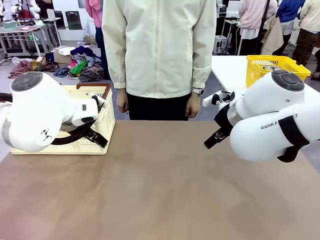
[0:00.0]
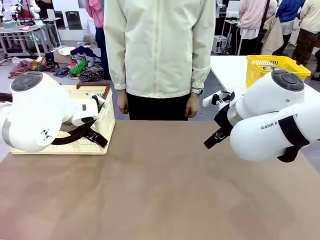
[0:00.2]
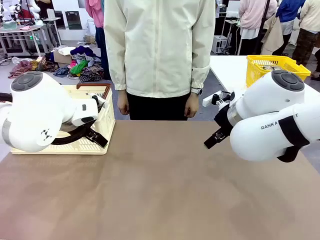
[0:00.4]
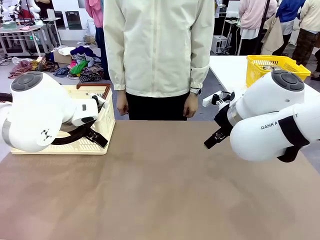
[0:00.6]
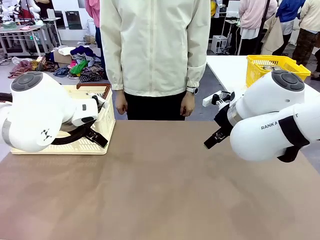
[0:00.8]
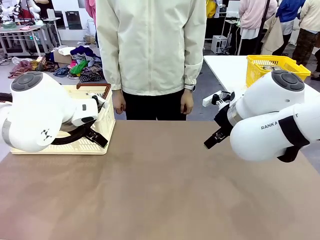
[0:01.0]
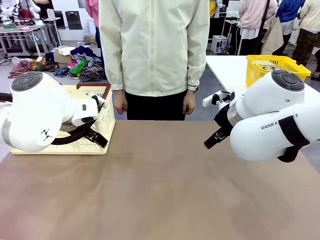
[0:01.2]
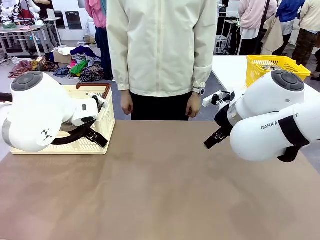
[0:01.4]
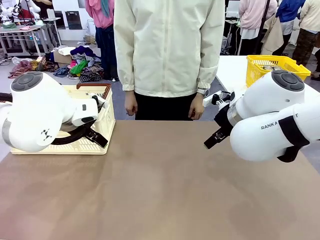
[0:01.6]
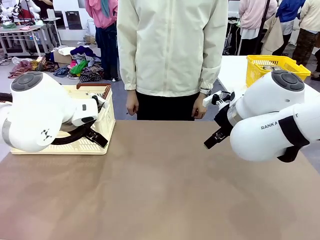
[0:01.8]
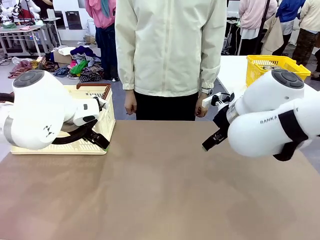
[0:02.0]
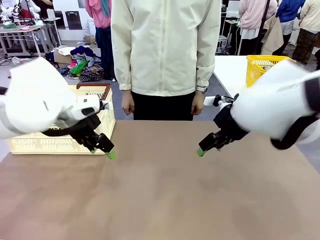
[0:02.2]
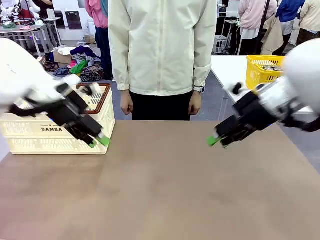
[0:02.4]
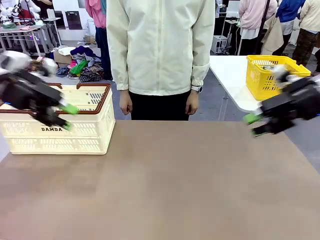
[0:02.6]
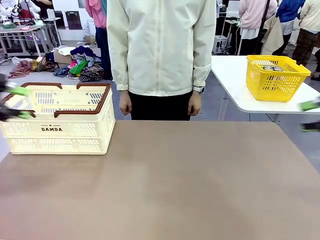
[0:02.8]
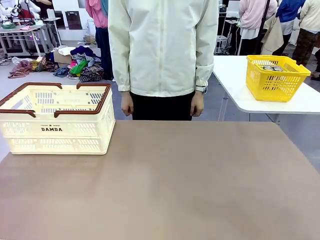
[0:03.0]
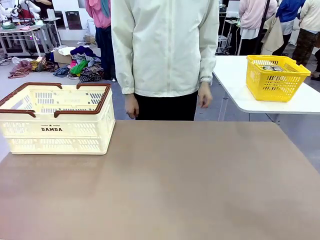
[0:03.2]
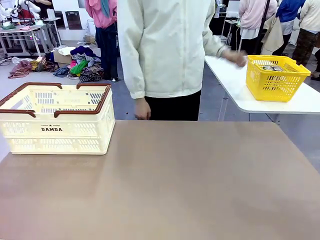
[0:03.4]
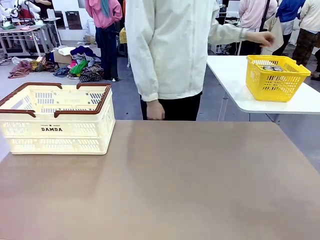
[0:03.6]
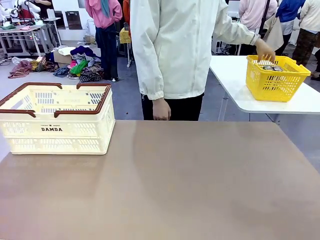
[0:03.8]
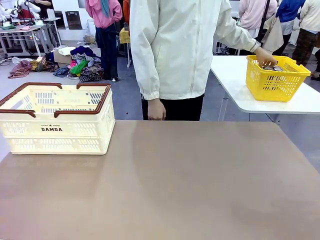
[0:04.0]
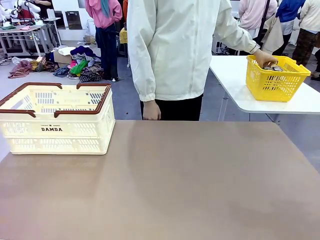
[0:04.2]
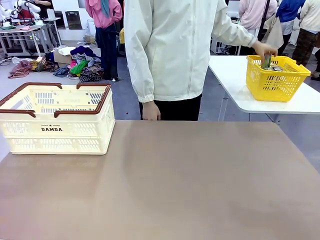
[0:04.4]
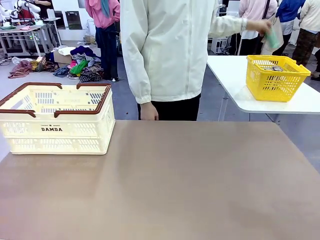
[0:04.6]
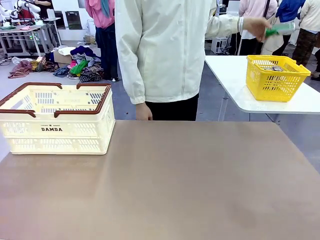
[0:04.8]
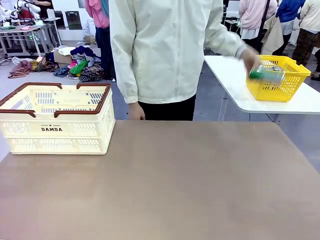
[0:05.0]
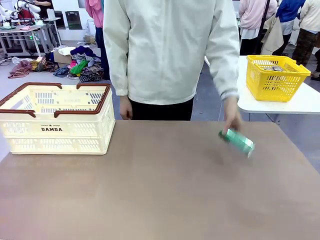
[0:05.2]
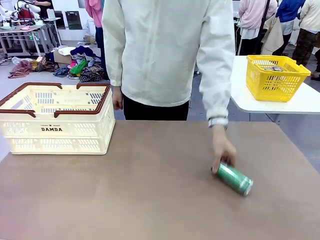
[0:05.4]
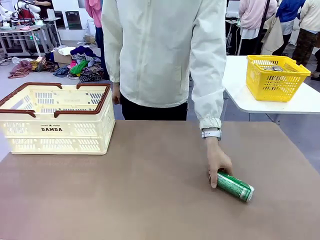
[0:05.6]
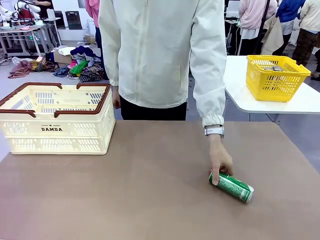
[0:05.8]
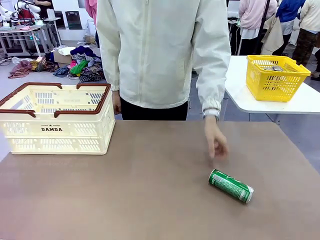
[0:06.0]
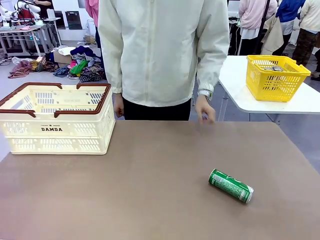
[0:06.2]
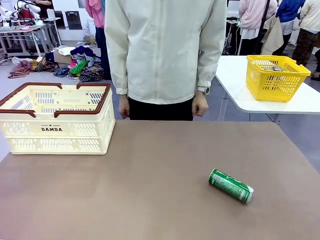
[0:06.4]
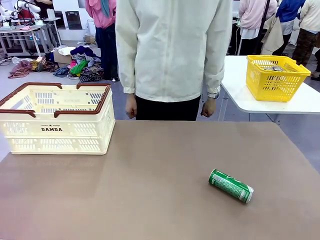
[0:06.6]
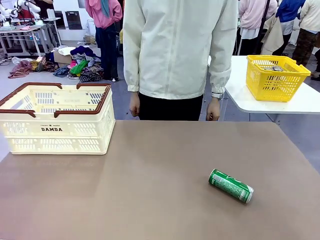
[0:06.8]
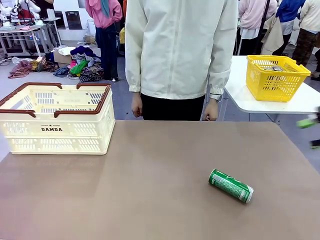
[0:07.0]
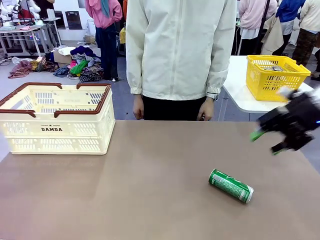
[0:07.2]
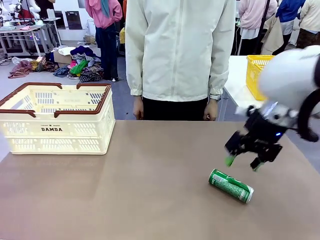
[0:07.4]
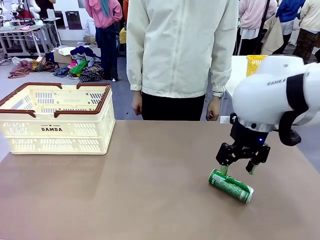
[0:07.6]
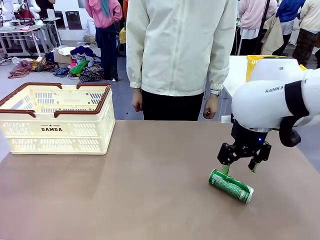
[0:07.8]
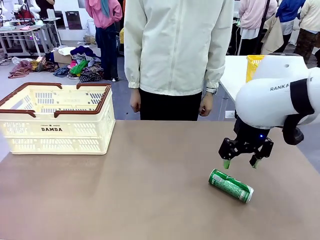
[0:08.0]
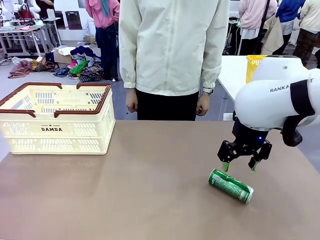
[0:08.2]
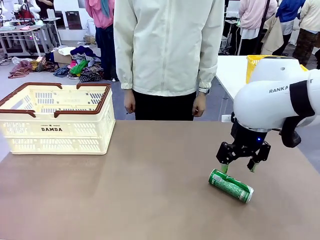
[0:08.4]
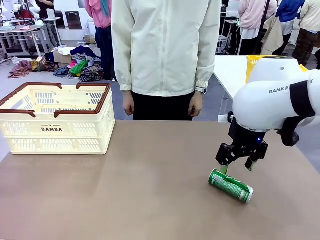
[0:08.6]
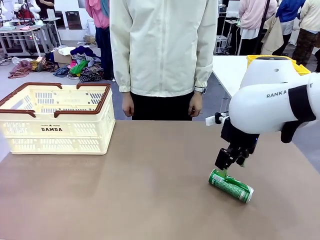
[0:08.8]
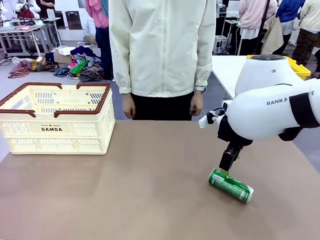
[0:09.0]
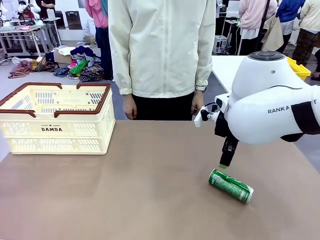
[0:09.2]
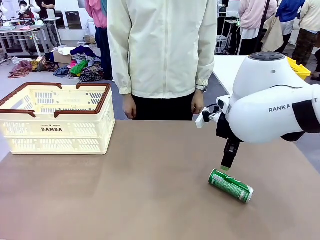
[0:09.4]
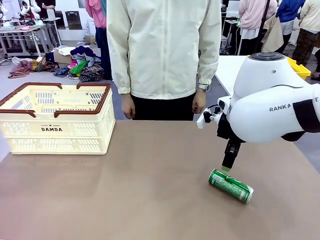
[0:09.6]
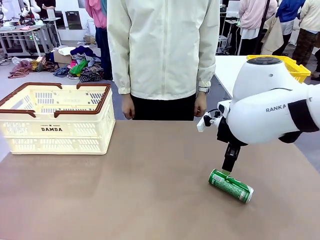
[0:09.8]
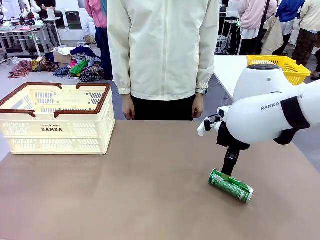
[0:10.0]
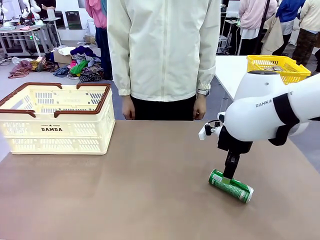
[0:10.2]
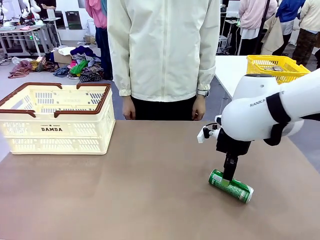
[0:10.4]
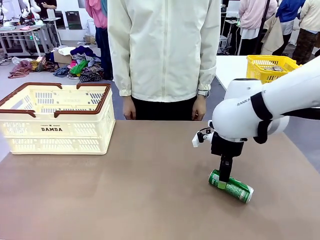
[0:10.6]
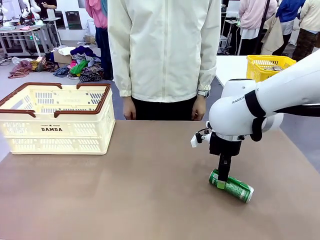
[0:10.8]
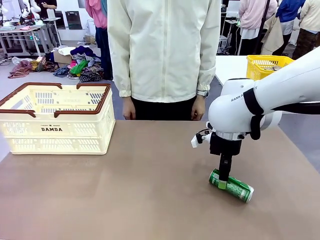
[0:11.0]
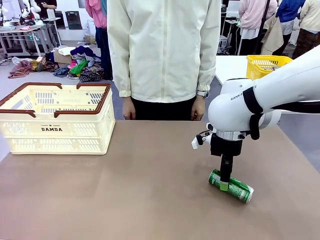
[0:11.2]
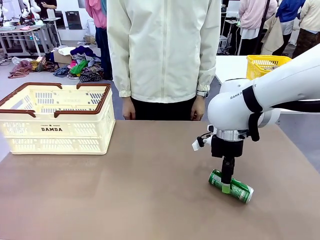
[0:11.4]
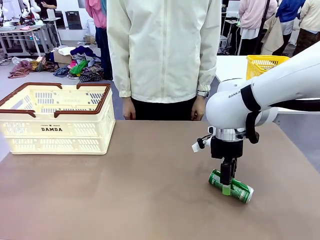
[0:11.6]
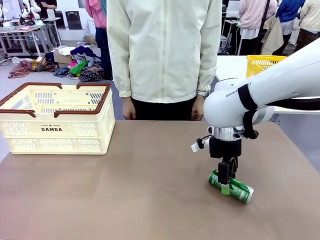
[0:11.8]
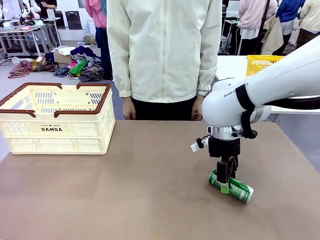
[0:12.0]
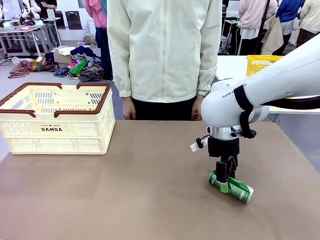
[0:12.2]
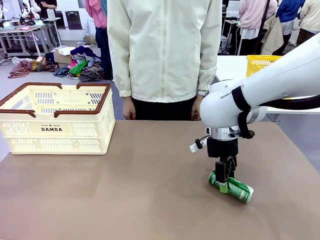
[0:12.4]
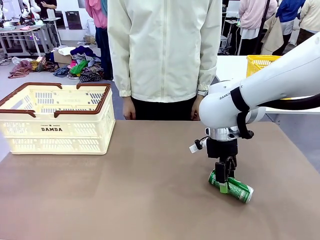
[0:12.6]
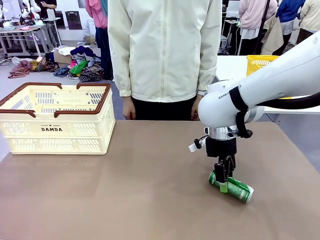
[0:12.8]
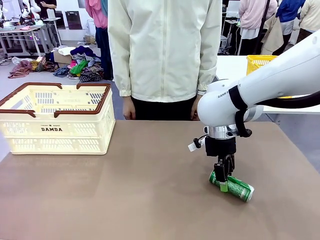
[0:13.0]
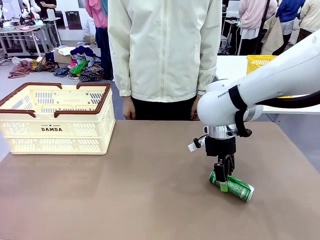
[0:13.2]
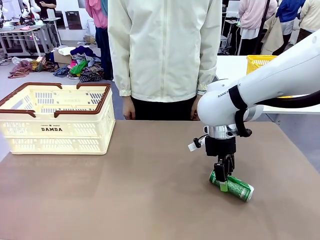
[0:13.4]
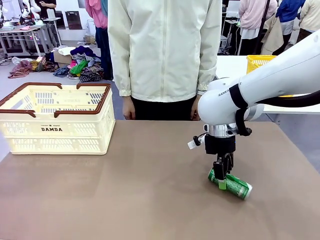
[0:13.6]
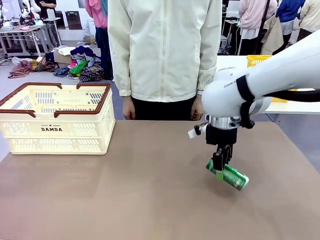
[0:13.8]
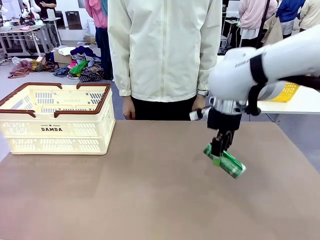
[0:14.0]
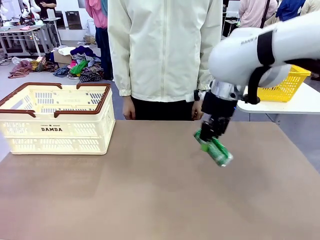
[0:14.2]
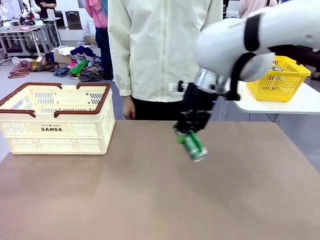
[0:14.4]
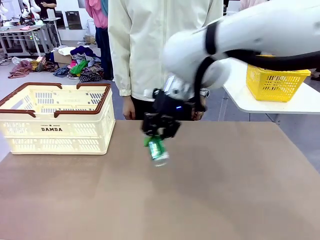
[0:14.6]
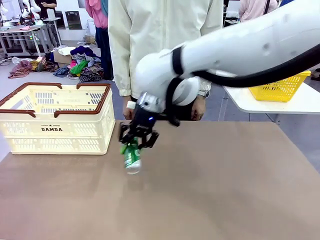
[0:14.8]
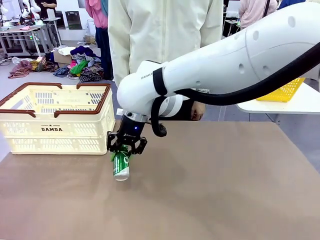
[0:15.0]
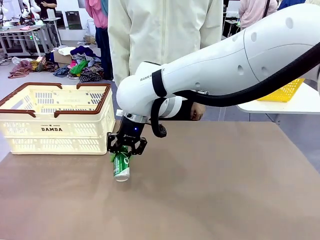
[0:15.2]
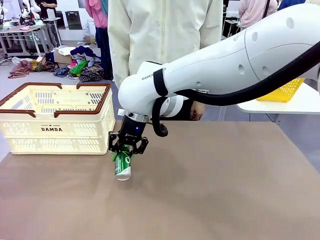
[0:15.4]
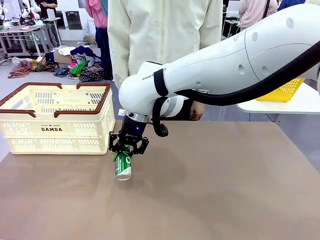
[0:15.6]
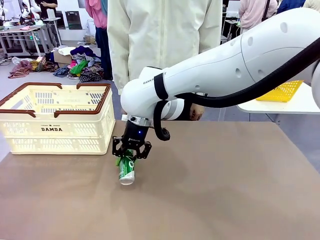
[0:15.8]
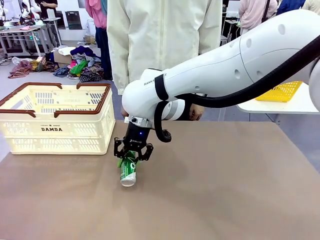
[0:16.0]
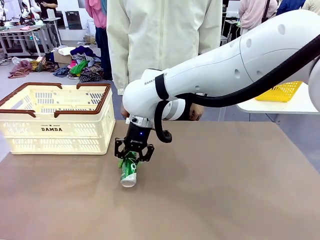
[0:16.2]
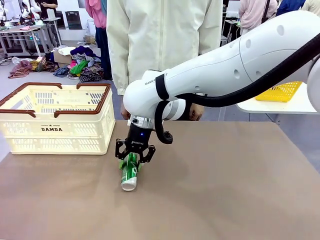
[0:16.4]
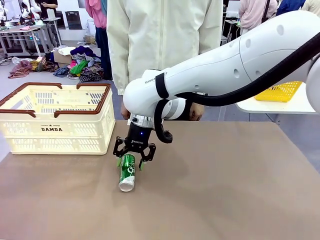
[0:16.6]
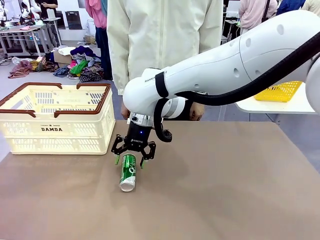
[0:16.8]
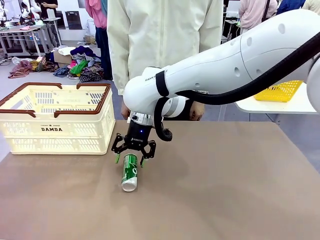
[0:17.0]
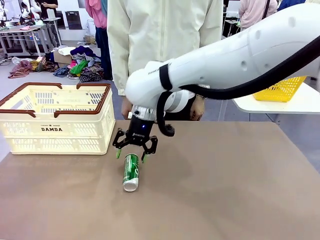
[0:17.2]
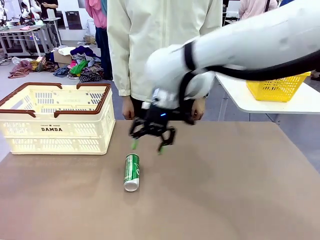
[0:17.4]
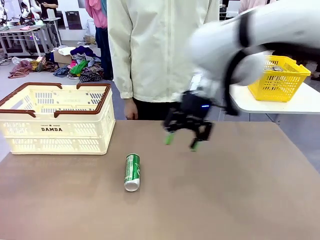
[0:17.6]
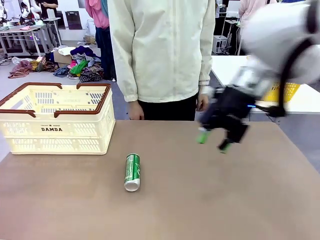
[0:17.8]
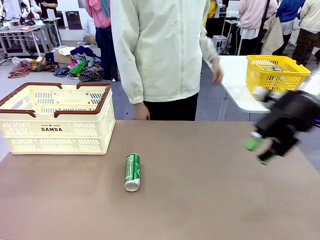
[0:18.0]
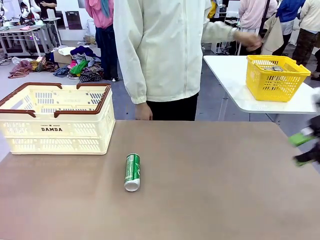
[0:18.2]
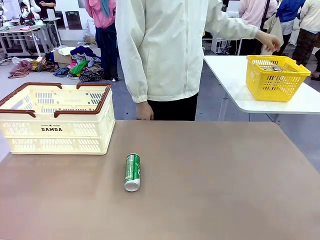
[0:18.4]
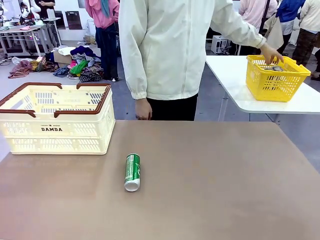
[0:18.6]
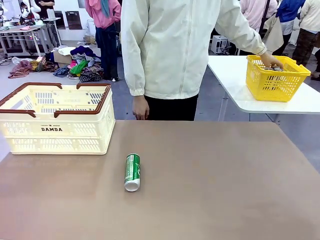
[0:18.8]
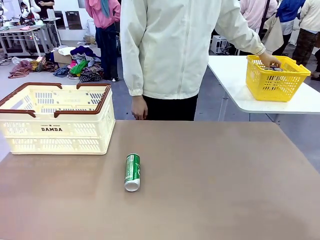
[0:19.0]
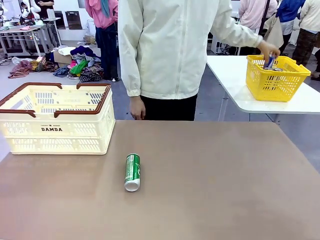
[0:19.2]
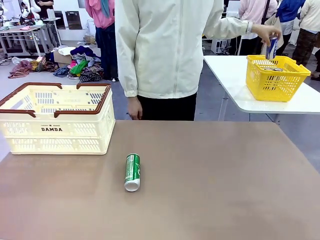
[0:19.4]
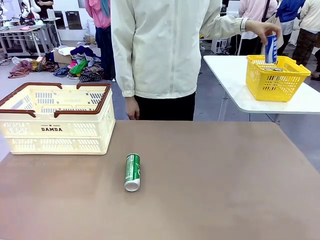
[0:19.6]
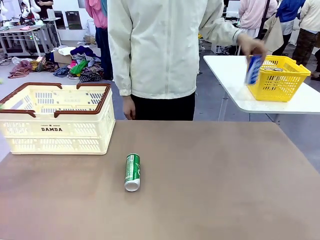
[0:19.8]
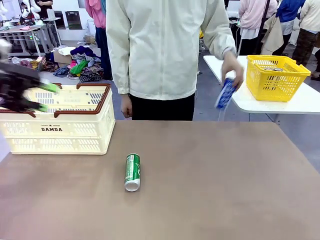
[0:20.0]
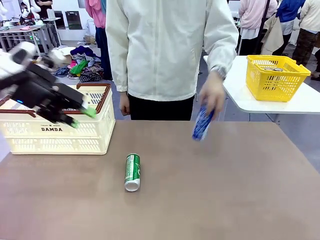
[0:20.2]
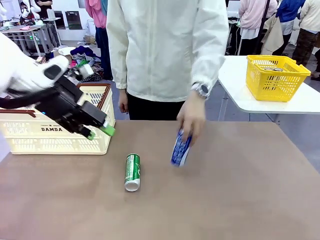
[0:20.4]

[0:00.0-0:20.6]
Task: Place the drinks into the Shopping basket.
Robot: Pick up one drink and place it into the Shopping basket.
